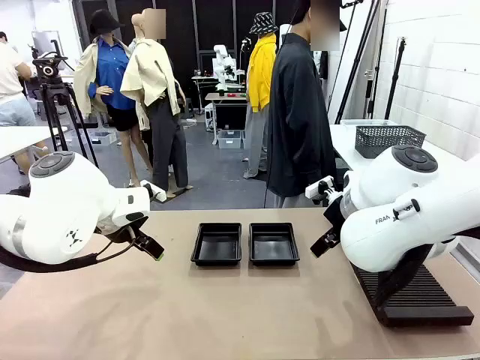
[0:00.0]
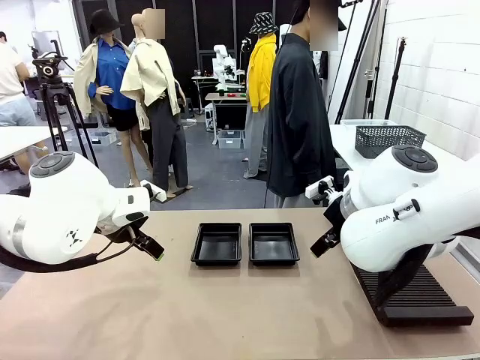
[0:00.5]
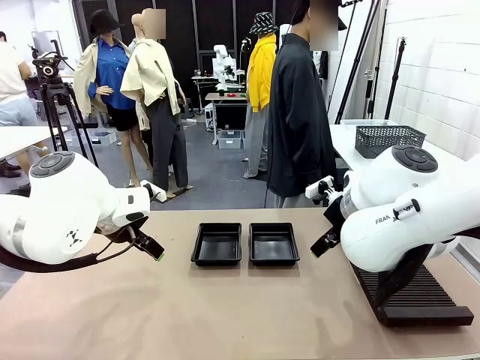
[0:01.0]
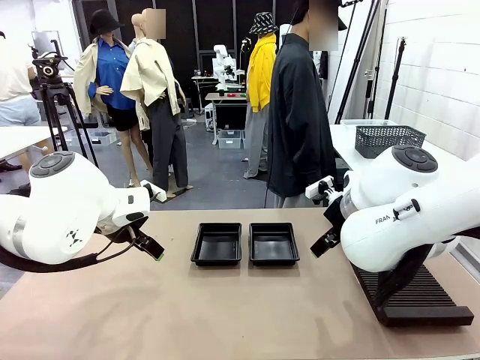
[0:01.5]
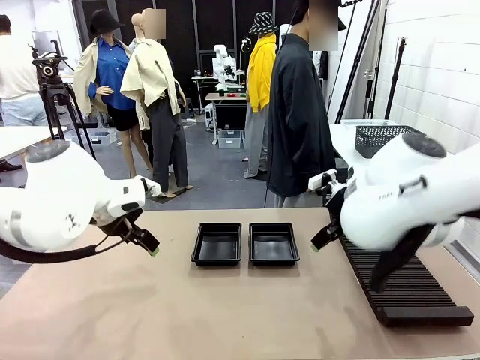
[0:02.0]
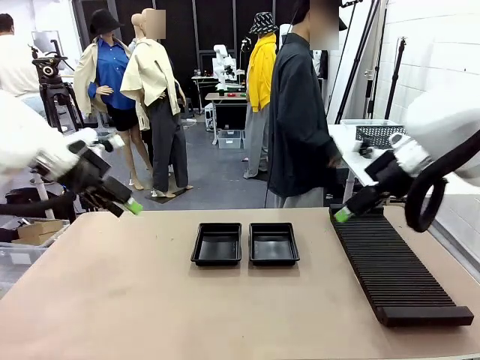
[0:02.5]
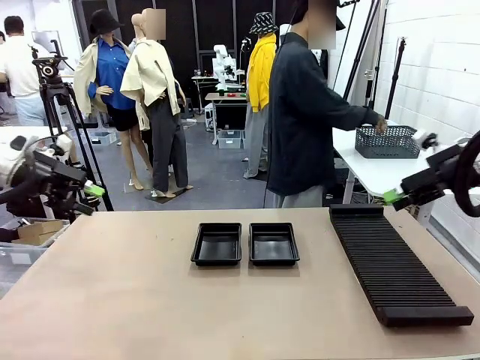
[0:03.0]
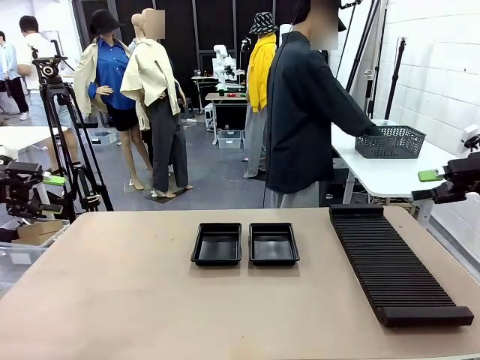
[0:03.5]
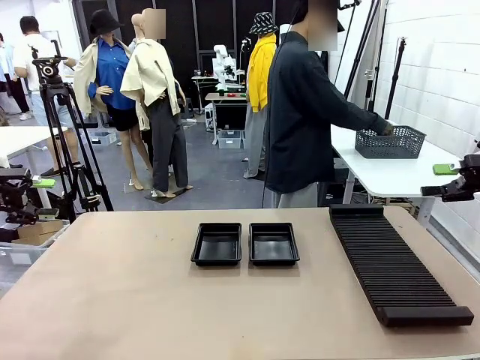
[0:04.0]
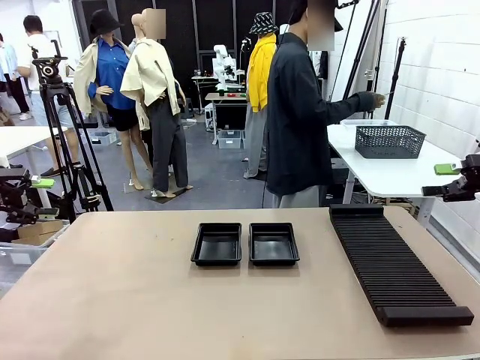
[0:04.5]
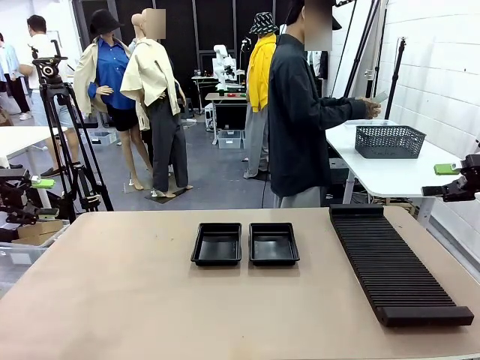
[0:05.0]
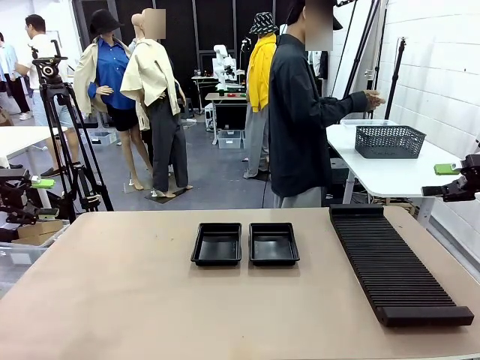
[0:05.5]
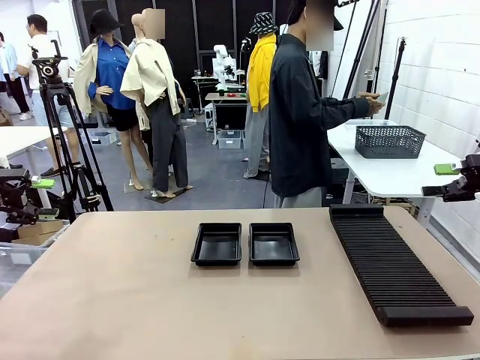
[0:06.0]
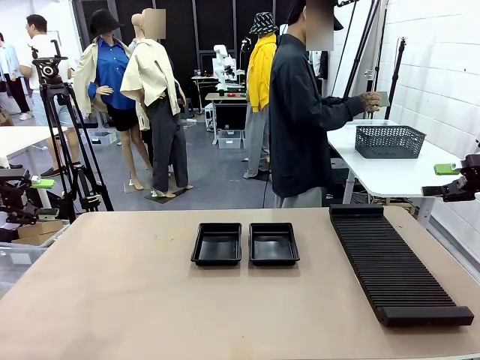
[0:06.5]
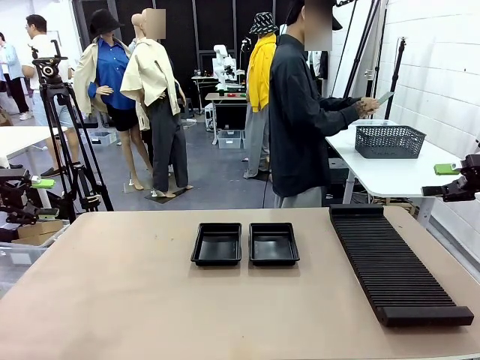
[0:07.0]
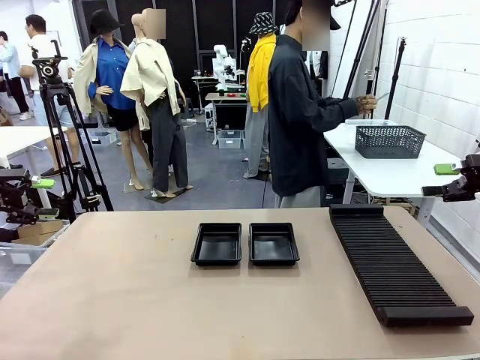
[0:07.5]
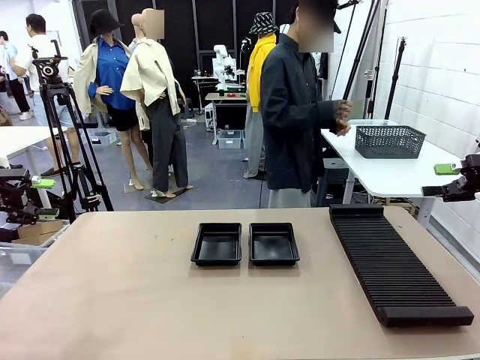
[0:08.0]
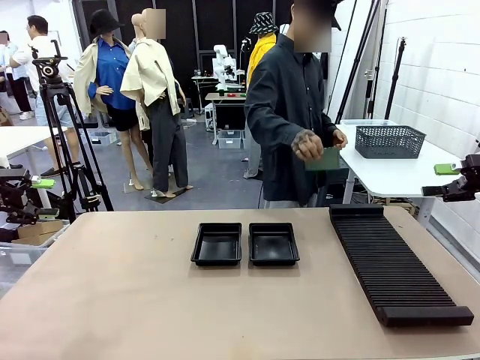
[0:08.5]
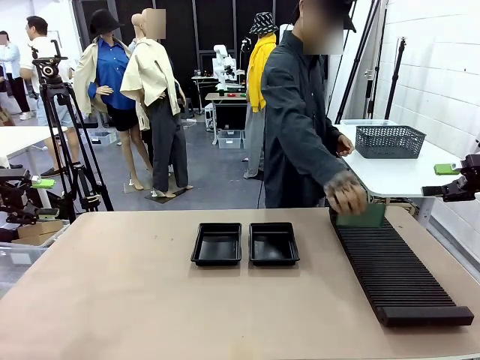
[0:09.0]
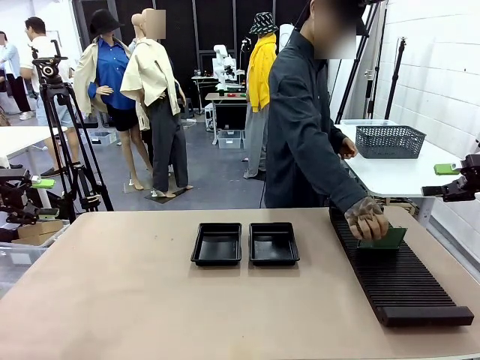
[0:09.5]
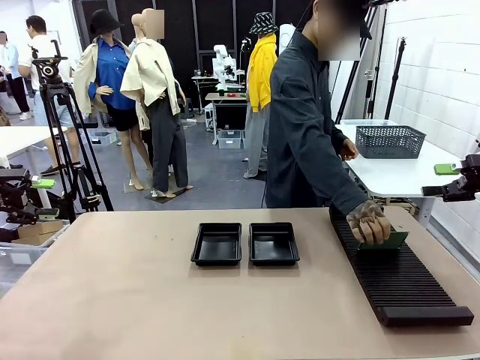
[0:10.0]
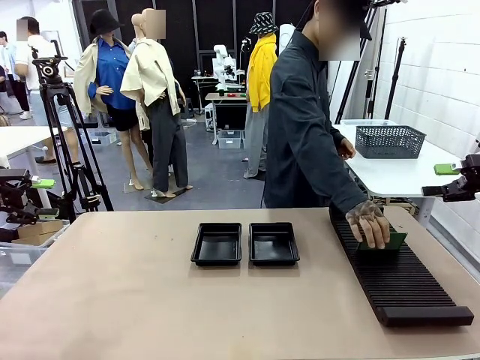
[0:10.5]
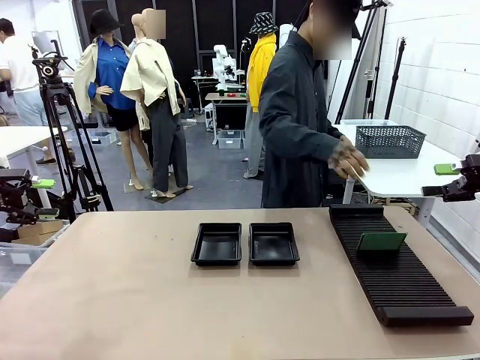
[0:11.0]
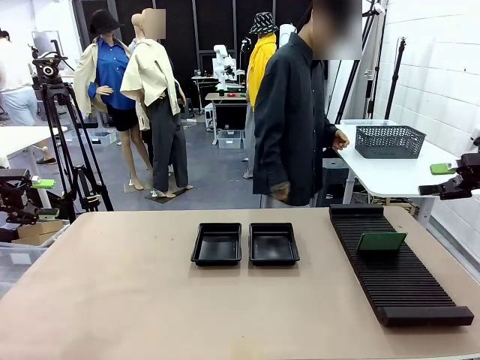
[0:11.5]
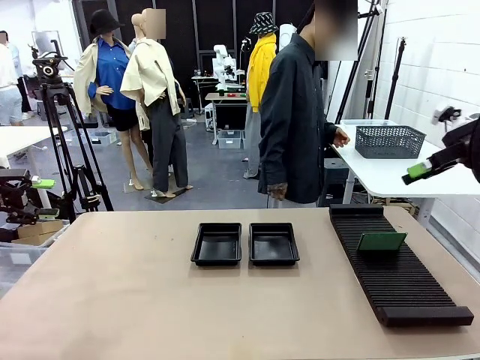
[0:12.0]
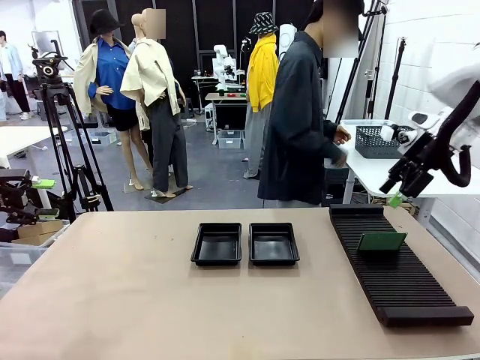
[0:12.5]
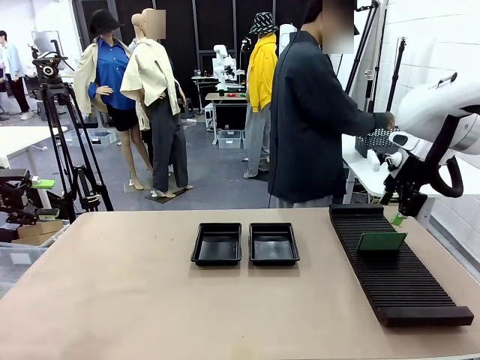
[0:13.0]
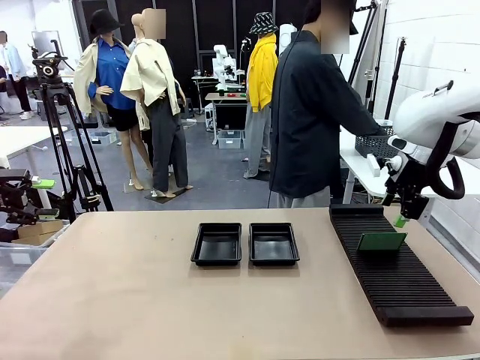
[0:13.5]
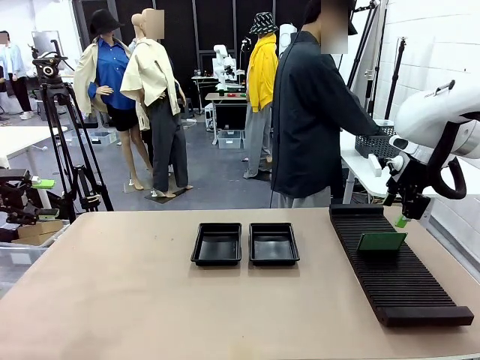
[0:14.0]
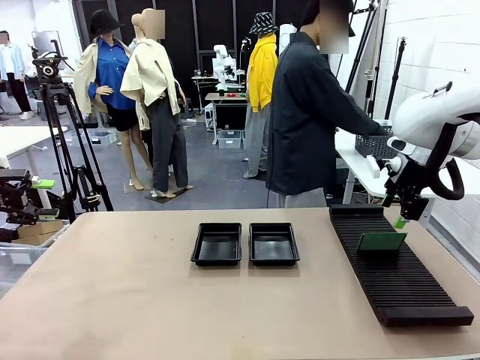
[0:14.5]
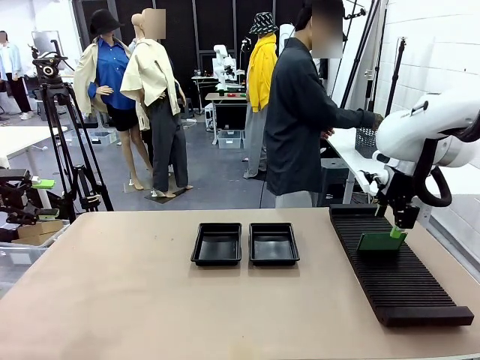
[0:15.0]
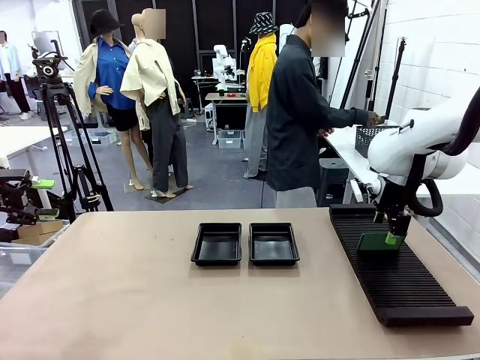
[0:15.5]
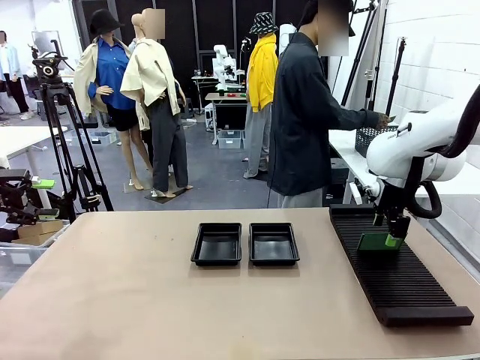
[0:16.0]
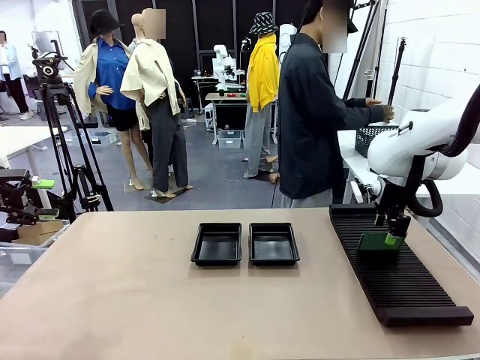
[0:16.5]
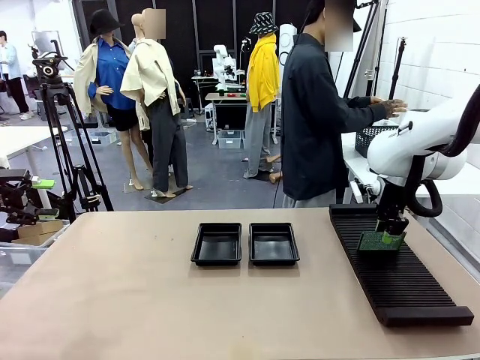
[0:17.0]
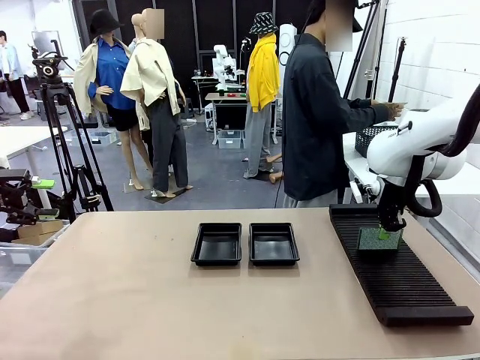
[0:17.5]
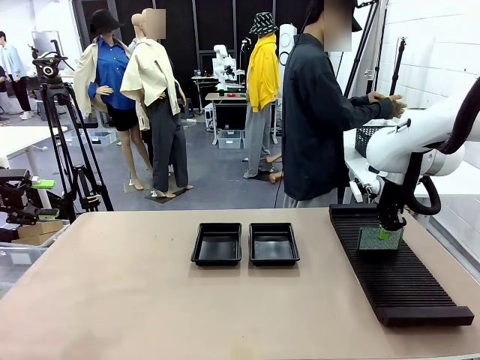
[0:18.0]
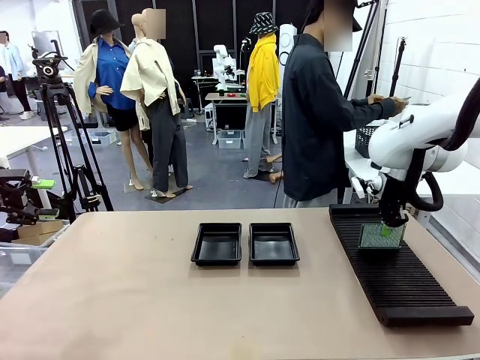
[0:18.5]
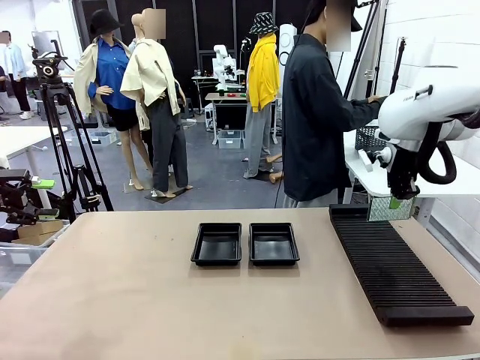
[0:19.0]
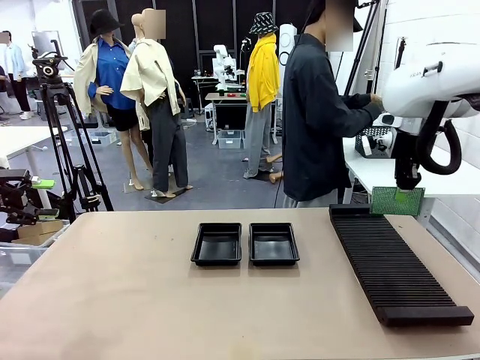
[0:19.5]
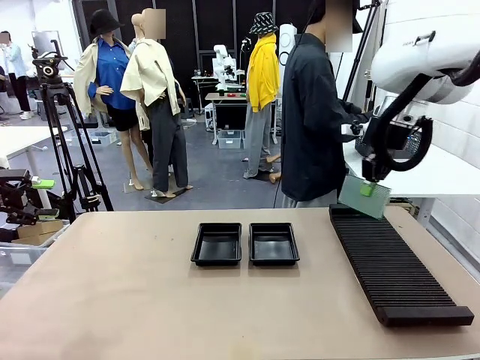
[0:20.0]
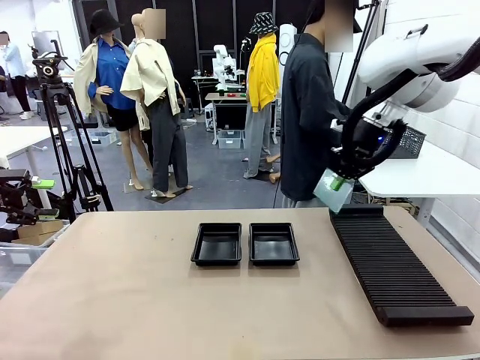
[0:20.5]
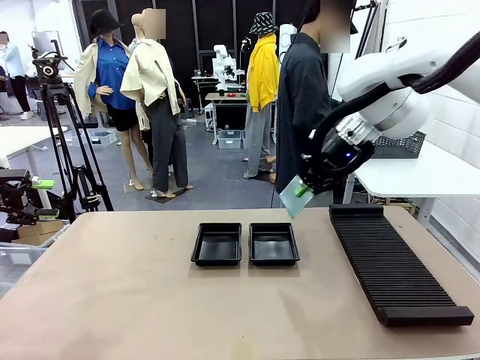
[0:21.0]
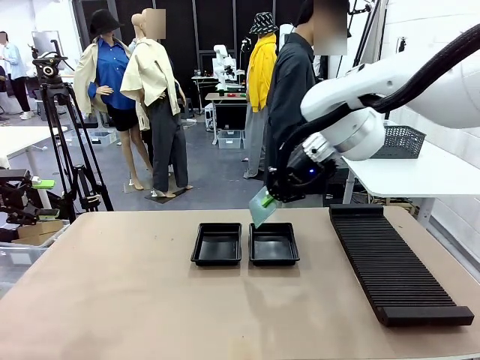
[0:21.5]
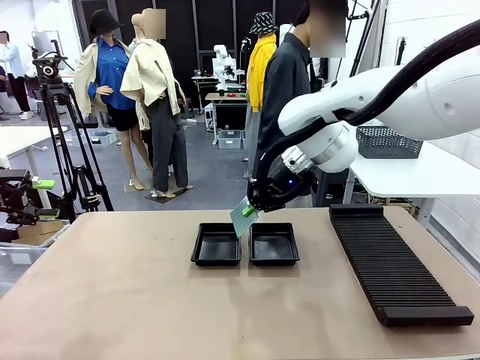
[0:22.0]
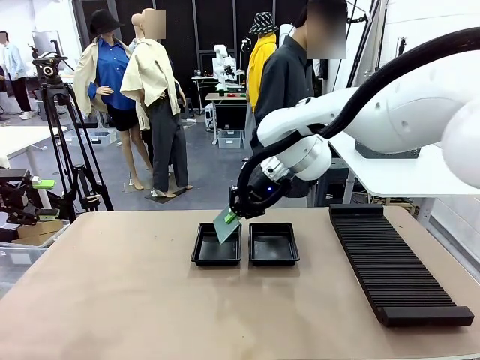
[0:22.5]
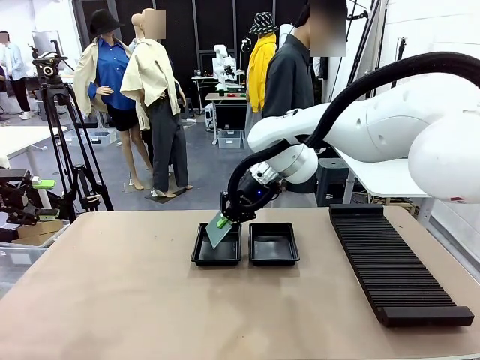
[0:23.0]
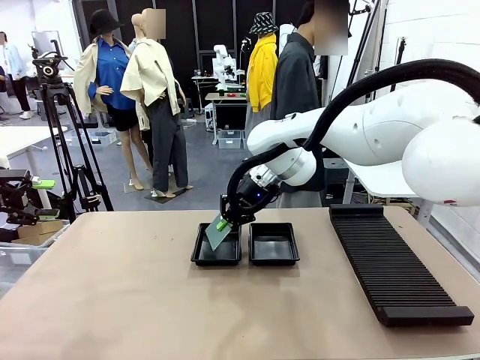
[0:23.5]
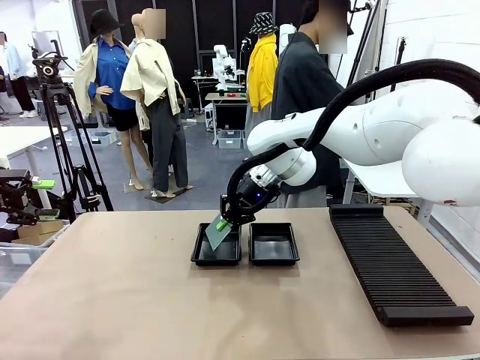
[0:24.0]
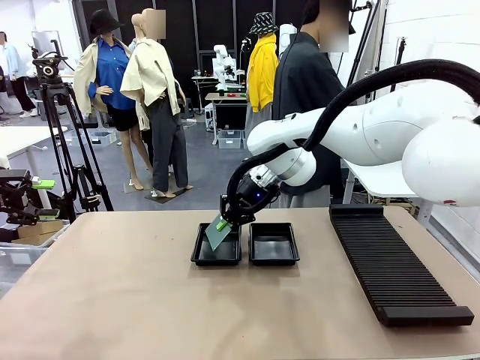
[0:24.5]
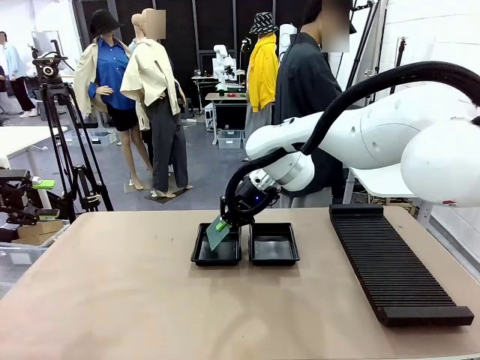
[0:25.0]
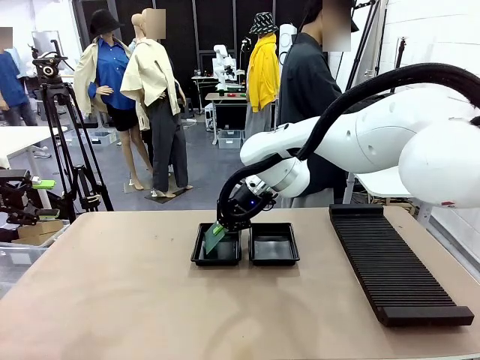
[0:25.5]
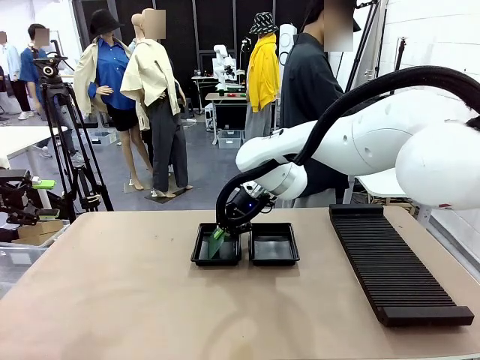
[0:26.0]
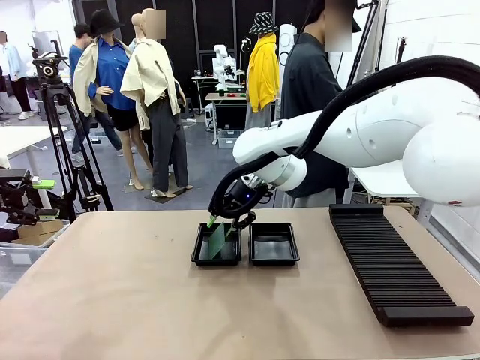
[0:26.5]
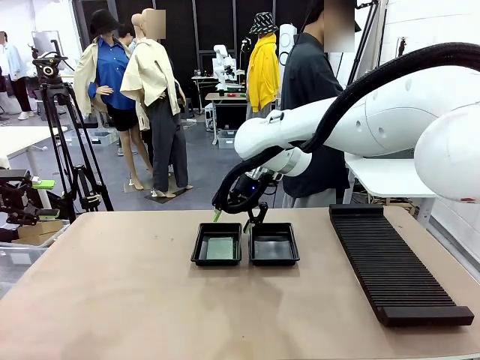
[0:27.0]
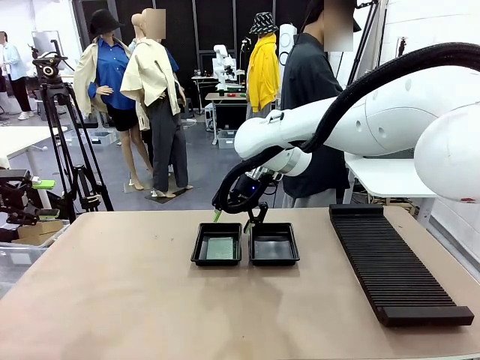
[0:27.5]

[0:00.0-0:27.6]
Task: Inspect and transfer BCBs to ESD trays.
Robot: Pick up the Blank PCB from the PCB Rack and place it in the left ESD tray.
